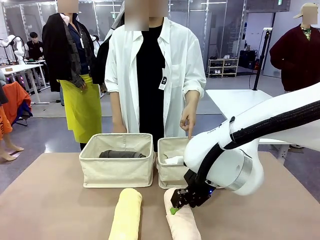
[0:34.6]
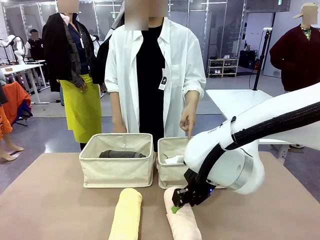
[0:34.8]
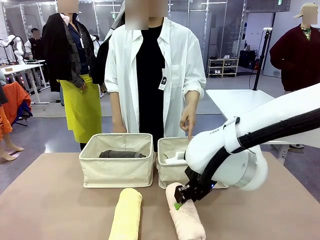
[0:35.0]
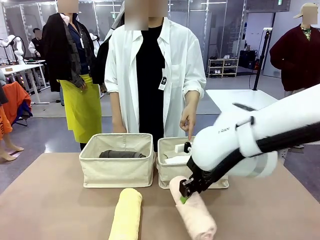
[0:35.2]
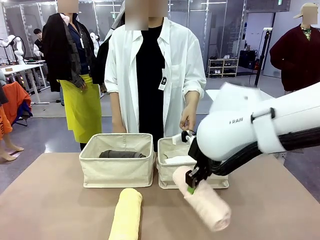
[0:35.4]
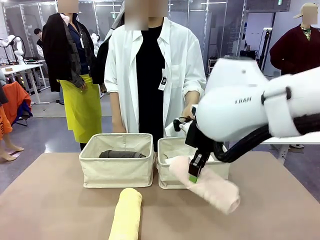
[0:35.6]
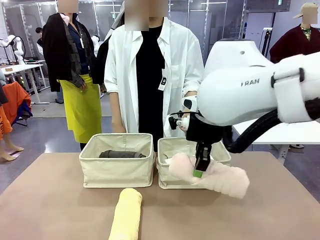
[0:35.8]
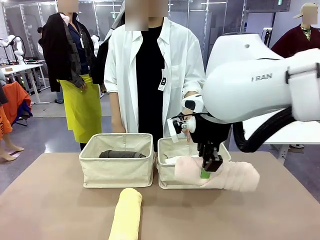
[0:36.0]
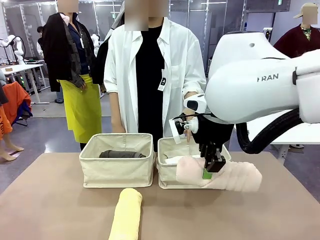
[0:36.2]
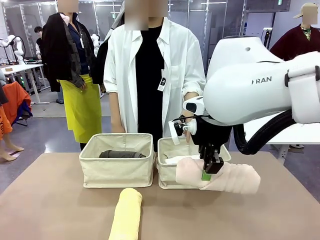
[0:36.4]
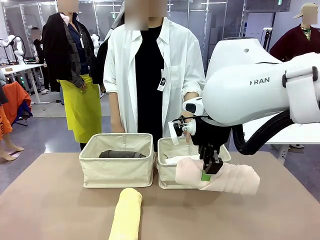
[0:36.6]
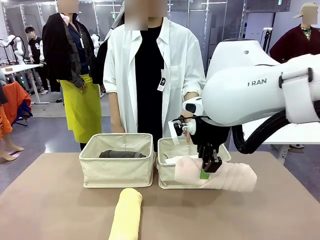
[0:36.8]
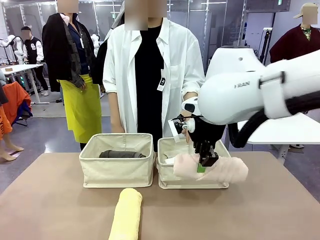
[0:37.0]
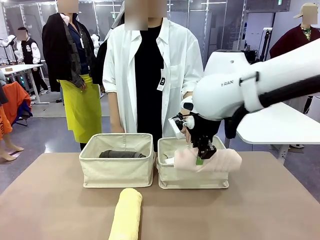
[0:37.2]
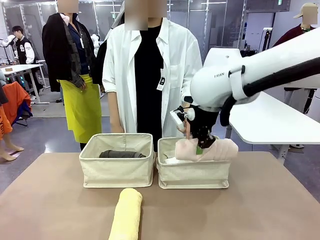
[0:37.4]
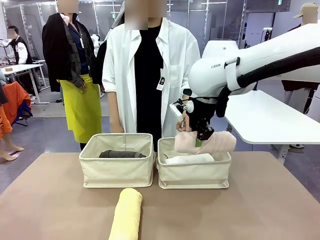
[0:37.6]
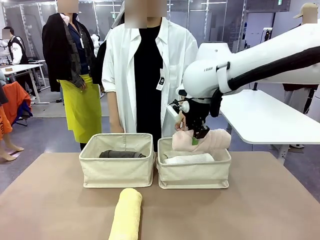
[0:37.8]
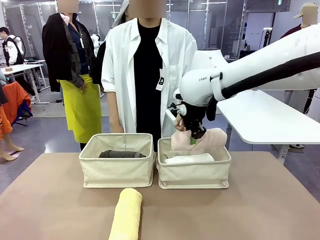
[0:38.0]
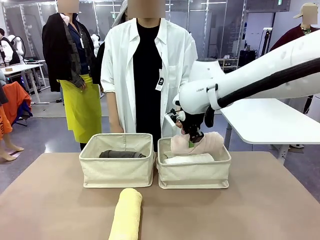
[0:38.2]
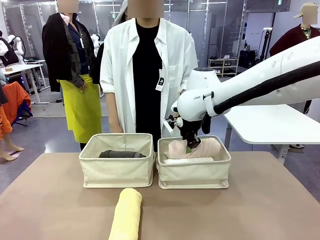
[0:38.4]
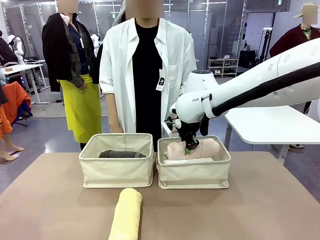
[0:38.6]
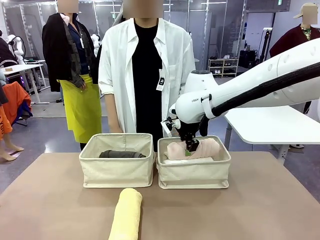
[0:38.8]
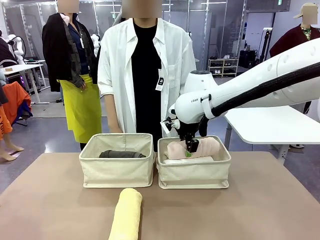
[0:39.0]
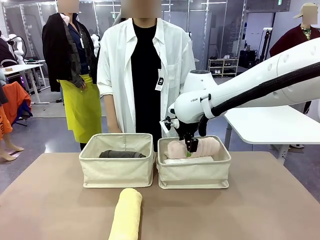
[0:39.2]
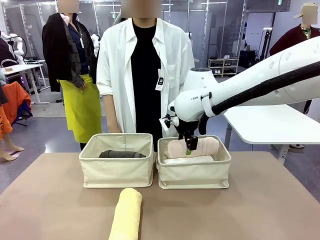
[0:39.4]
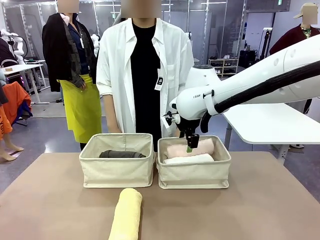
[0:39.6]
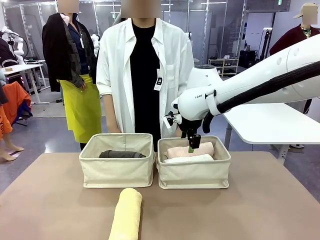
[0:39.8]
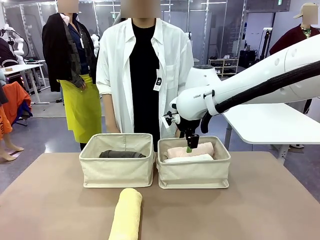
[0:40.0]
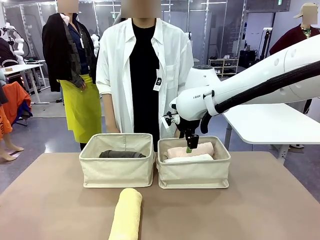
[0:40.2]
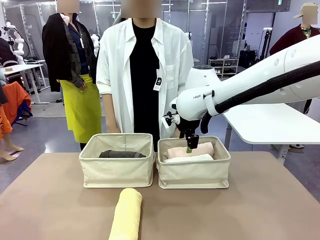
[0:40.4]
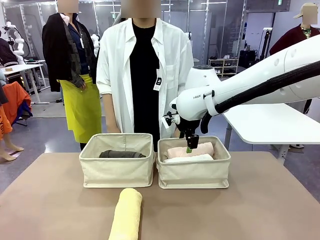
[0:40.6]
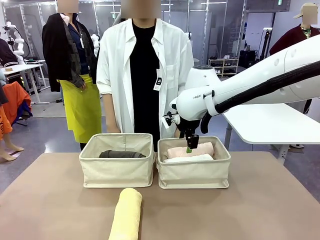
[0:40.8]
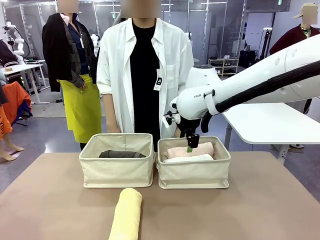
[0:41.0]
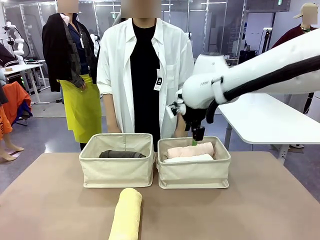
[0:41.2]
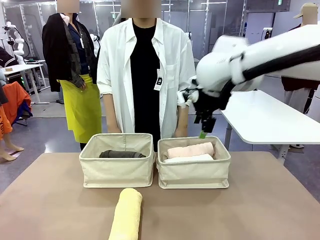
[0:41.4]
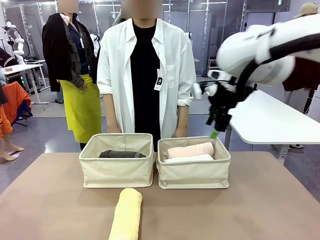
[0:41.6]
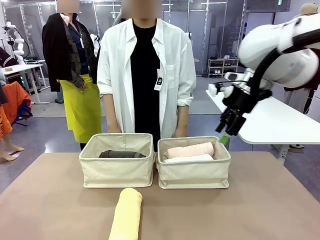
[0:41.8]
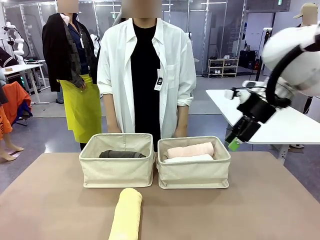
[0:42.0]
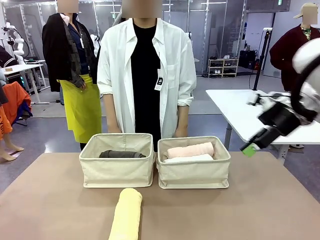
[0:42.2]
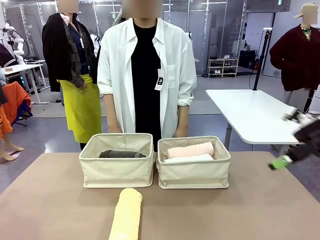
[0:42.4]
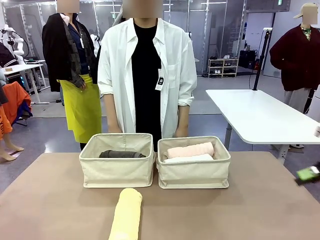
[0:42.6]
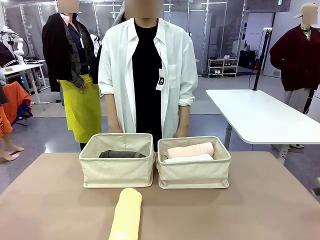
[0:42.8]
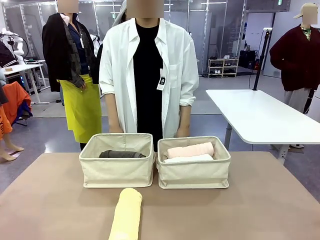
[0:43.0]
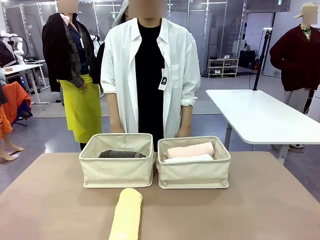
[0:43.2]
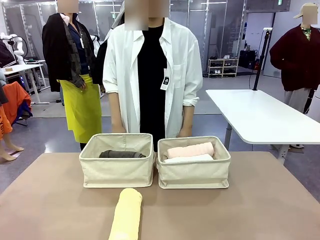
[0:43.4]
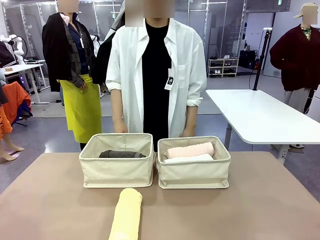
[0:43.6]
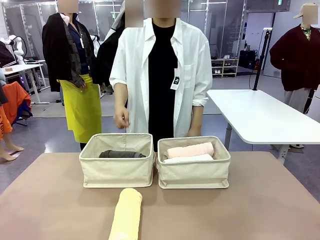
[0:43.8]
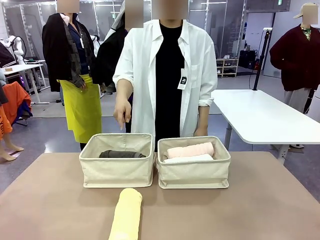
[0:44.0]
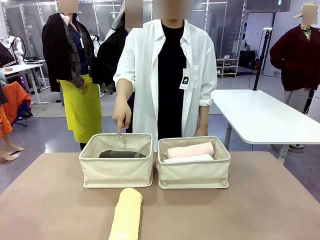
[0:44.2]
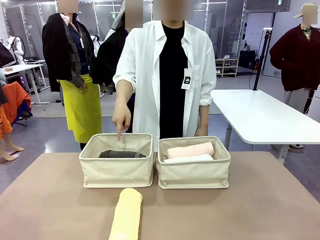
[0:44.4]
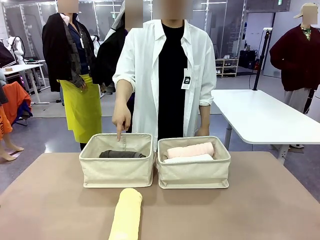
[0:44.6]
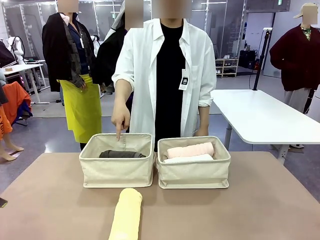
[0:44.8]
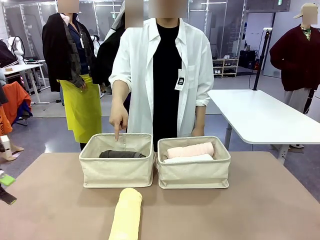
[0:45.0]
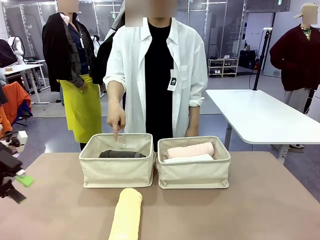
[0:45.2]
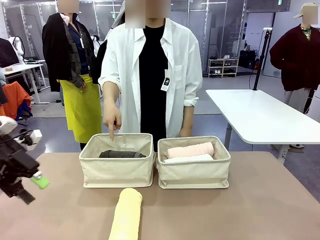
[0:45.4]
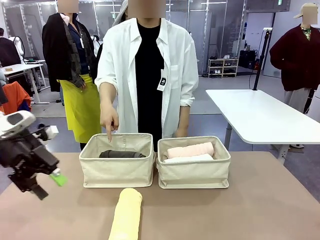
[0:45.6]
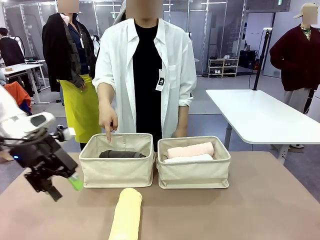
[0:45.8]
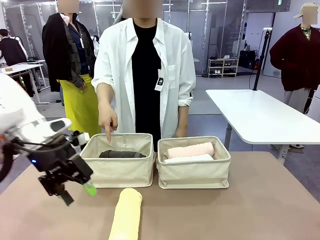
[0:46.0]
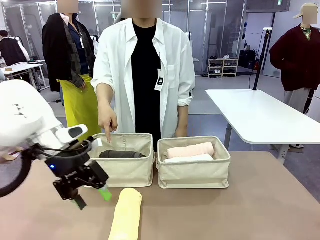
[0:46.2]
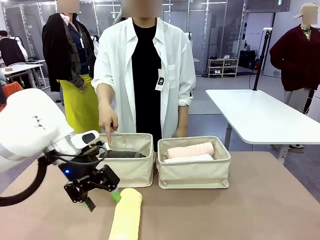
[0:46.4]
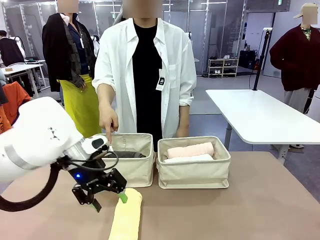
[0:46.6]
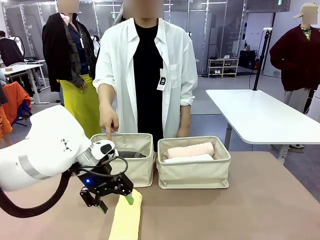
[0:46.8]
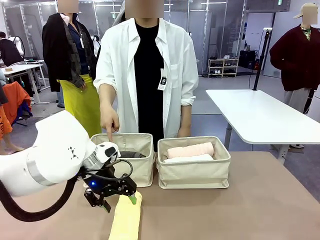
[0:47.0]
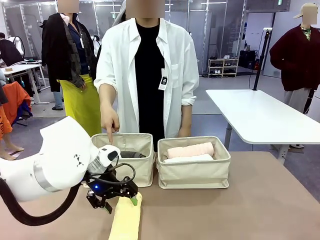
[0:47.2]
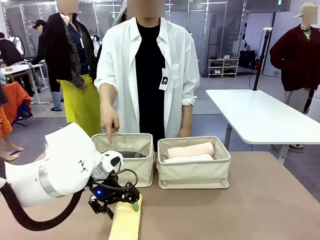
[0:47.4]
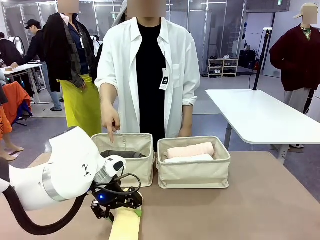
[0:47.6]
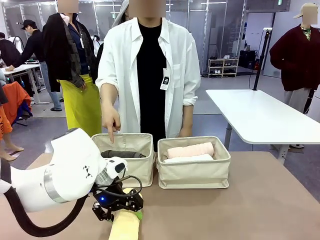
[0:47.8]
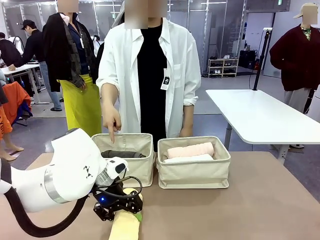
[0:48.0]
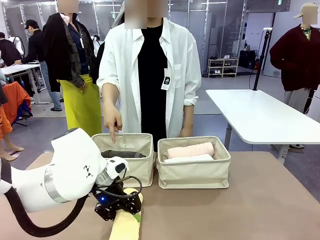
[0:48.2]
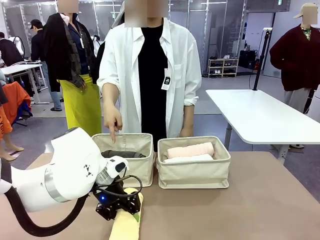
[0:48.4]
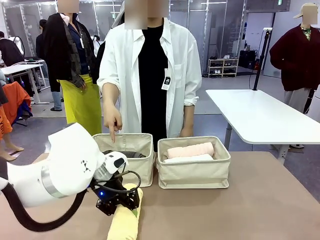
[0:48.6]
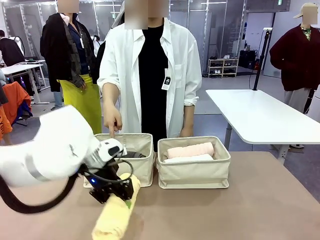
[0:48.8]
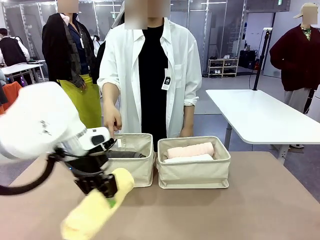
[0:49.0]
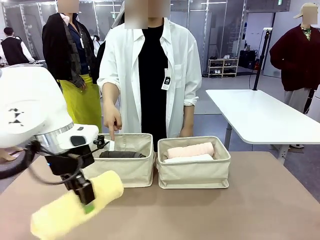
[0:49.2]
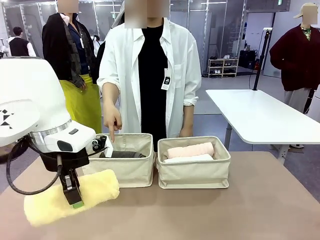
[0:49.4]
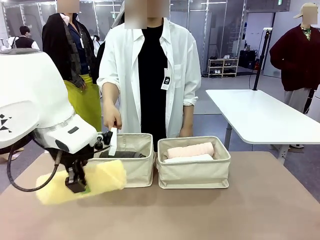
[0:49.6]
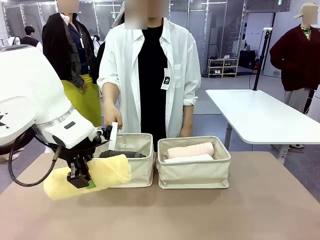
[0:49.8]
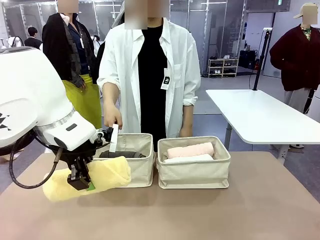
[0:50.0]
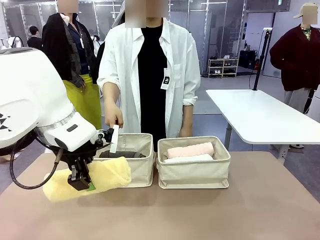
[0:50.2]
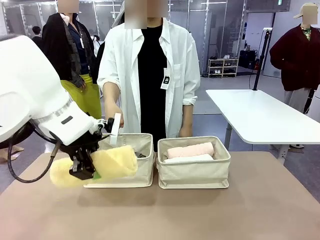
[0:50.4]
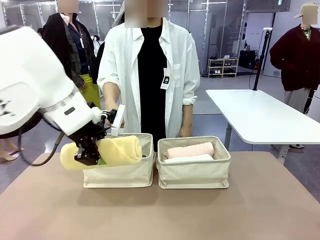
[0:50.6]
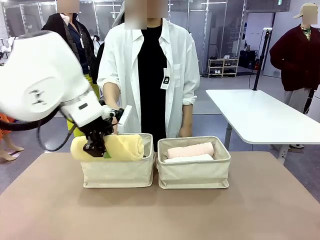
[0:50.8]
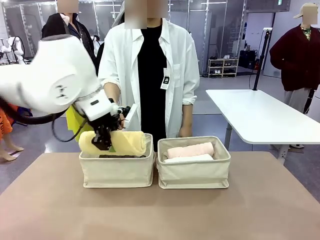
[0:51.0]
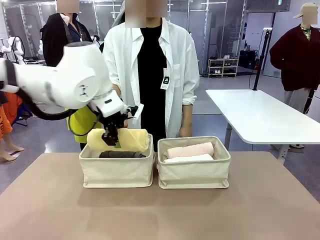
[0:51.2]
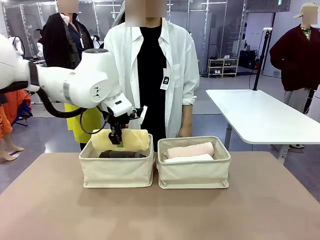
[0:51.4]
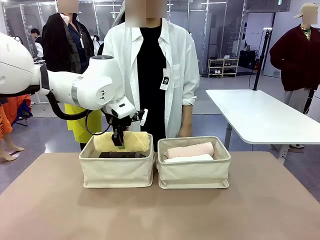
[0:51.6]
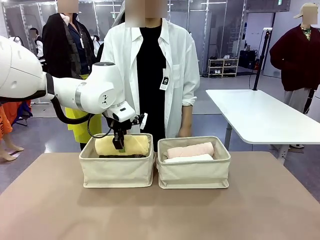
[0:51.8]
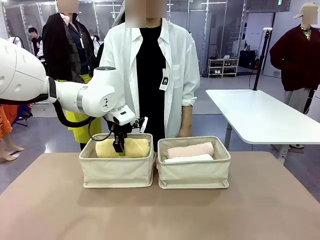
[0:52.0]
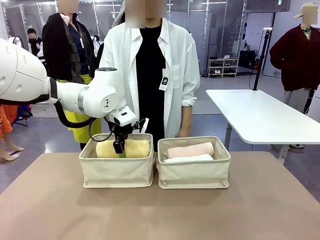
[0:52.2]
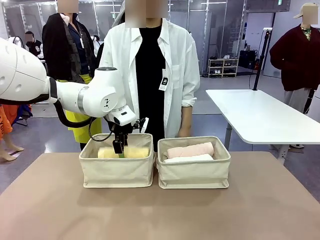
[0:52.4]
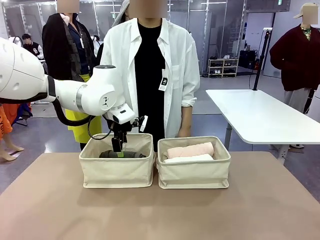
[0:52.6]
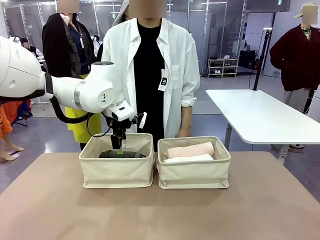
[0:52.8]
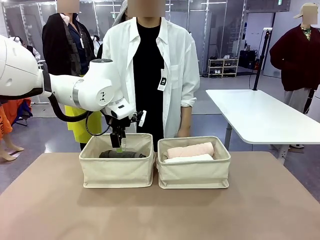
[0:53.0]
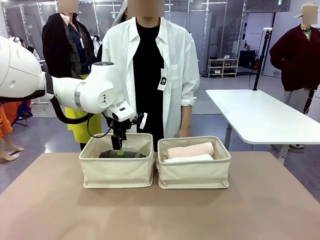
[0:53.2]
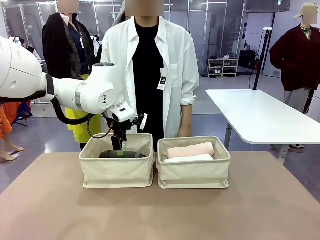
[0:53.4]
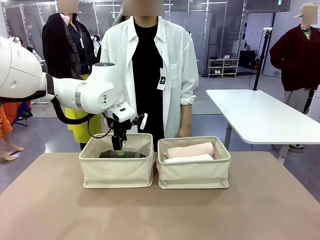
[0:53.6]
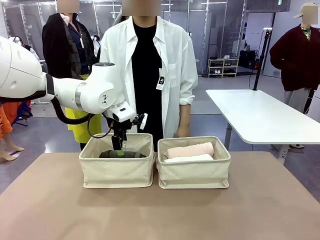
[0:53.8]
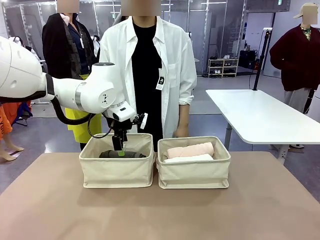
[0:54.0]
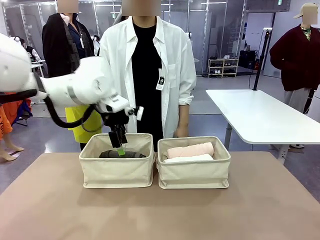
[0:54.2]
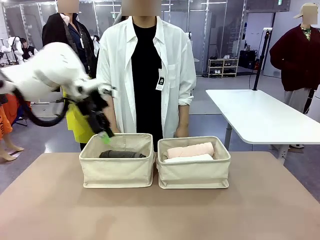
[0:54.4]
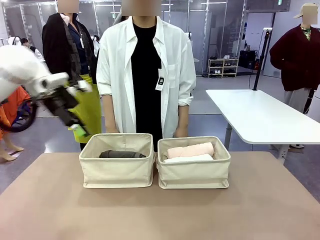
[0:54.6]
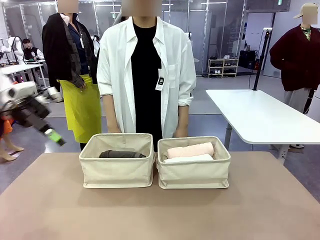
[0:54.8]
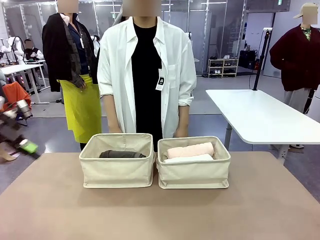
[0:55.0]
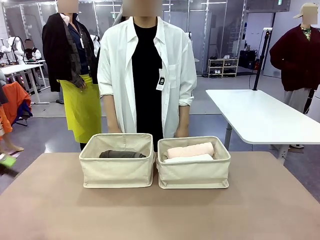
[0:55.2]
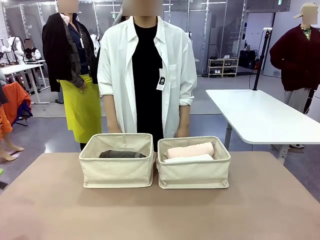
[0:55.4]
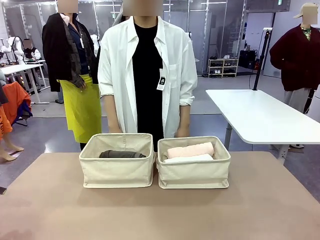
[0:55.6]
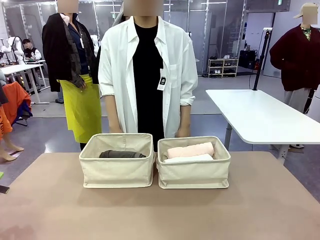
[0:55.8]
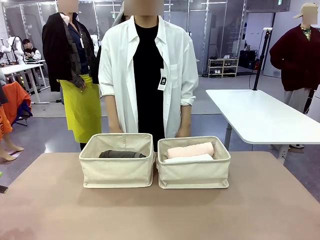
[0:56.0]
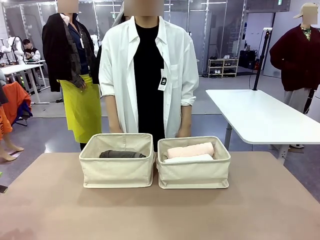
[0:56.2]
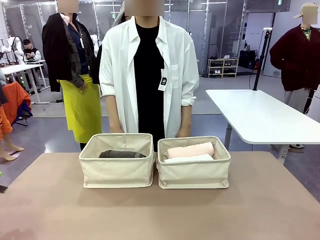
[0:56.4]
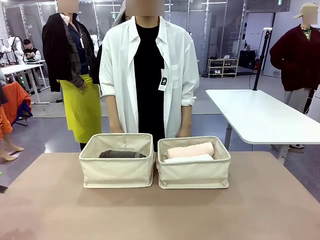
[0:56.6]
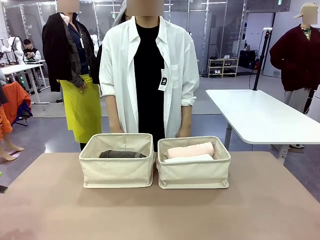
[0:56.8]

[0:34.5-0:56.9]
Task: Divide the towels into two baskets.
Robot: Pick up one hotel-folded towel from the bottom of the table and place it in the Fabric basket indicated by the person.
